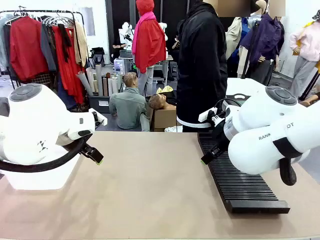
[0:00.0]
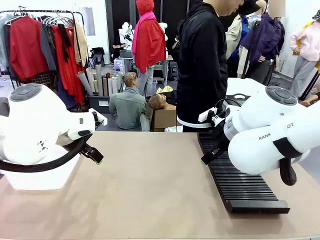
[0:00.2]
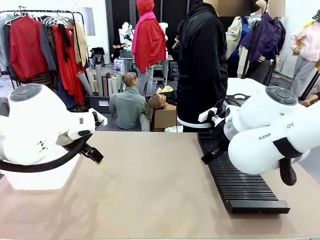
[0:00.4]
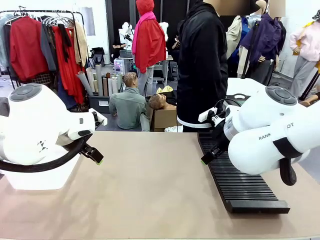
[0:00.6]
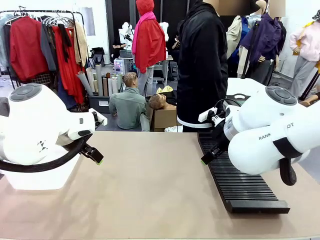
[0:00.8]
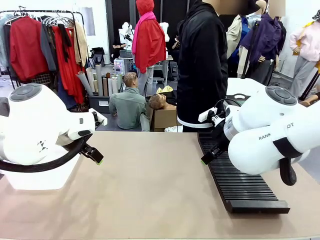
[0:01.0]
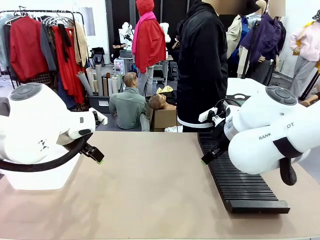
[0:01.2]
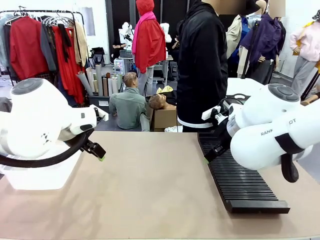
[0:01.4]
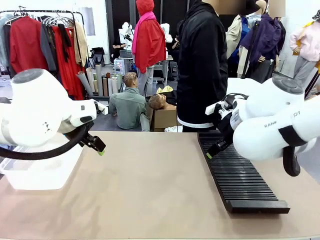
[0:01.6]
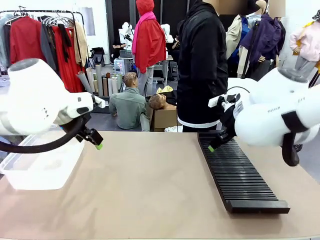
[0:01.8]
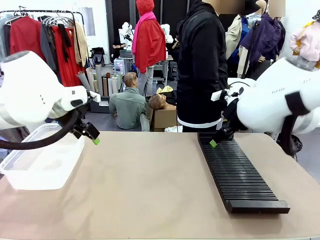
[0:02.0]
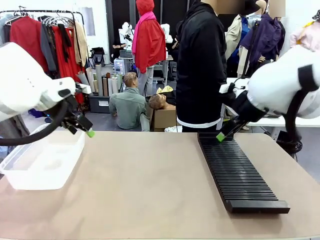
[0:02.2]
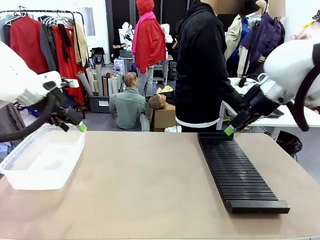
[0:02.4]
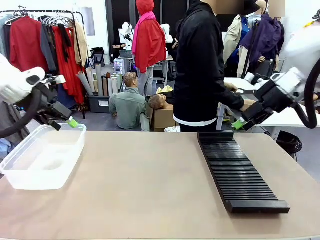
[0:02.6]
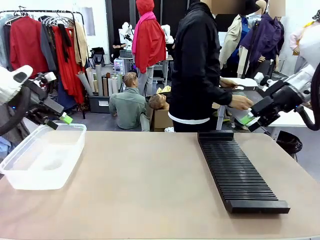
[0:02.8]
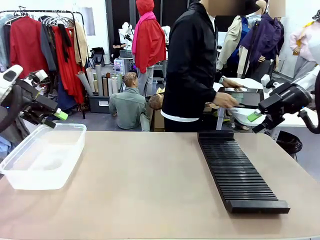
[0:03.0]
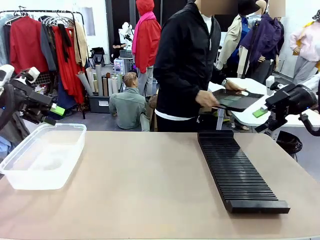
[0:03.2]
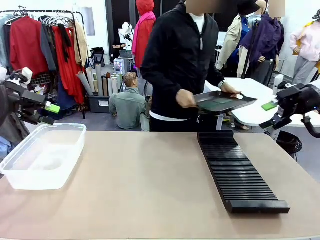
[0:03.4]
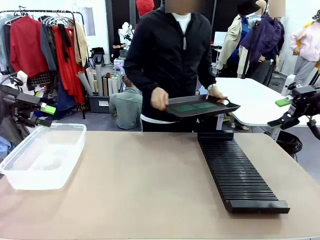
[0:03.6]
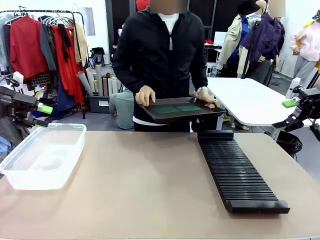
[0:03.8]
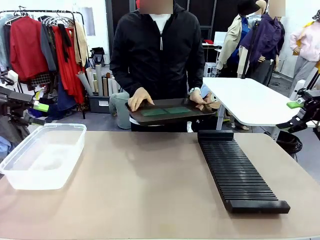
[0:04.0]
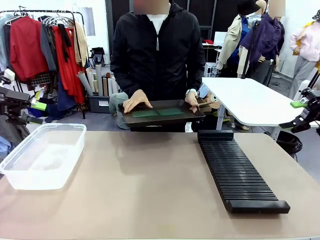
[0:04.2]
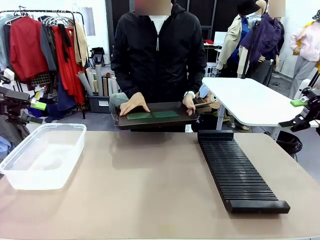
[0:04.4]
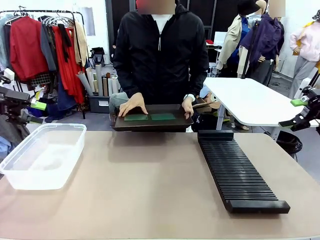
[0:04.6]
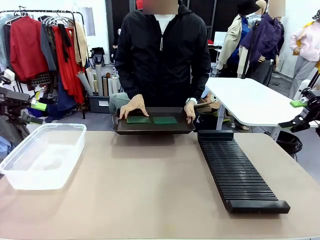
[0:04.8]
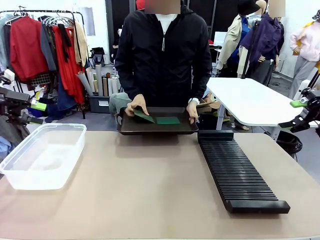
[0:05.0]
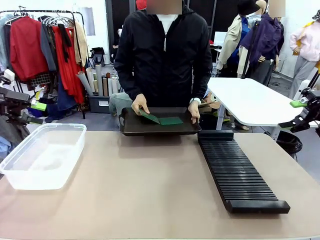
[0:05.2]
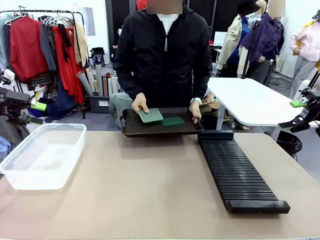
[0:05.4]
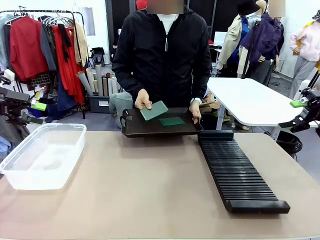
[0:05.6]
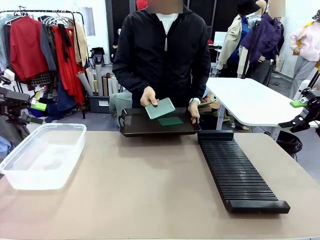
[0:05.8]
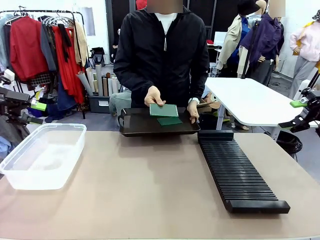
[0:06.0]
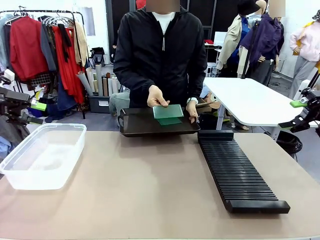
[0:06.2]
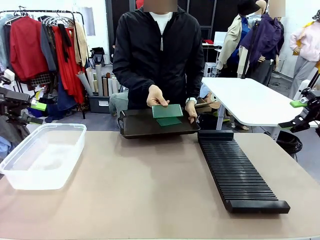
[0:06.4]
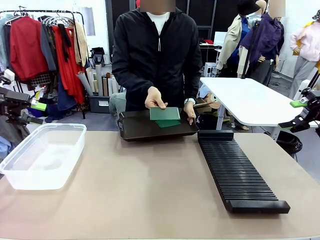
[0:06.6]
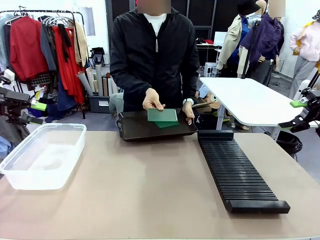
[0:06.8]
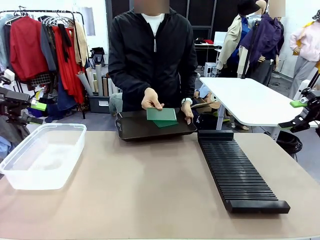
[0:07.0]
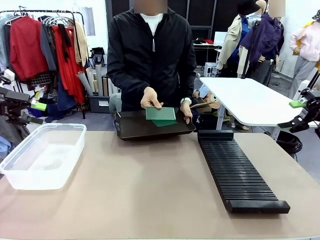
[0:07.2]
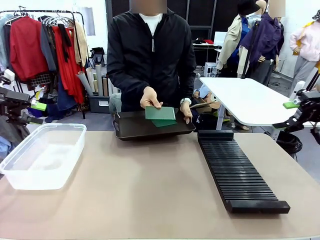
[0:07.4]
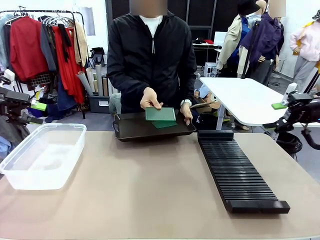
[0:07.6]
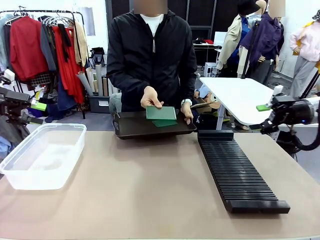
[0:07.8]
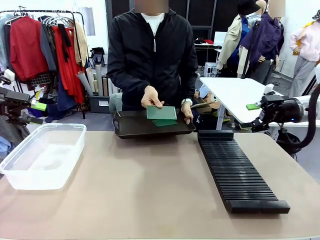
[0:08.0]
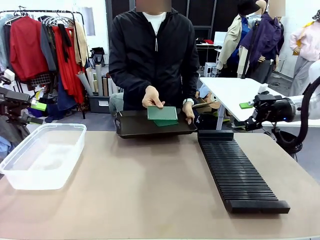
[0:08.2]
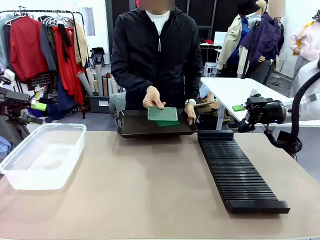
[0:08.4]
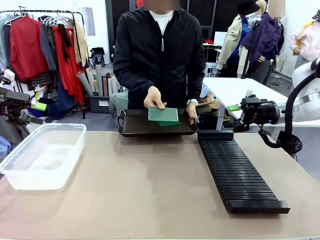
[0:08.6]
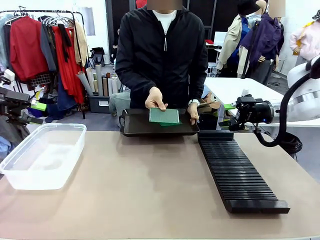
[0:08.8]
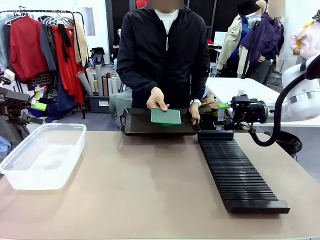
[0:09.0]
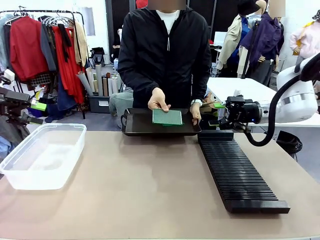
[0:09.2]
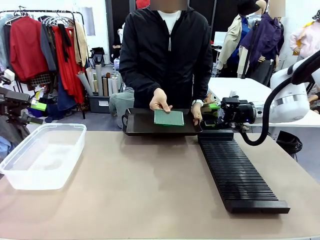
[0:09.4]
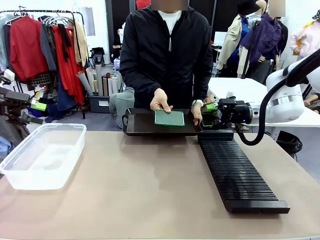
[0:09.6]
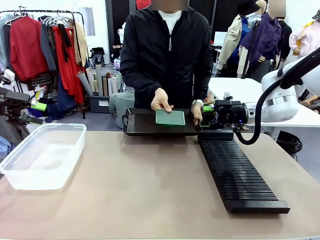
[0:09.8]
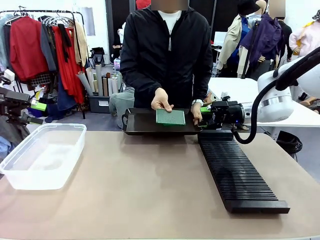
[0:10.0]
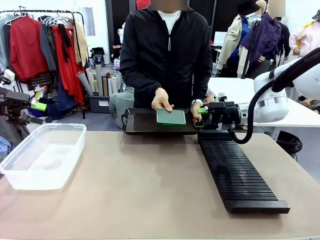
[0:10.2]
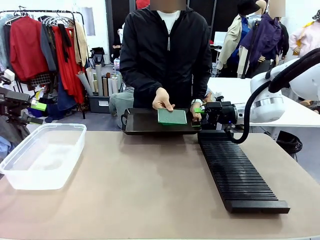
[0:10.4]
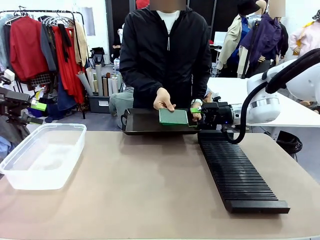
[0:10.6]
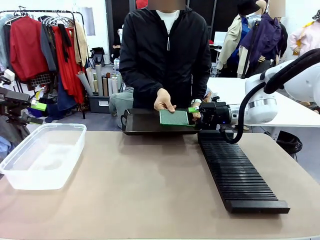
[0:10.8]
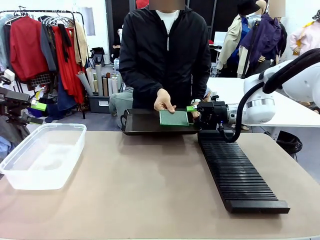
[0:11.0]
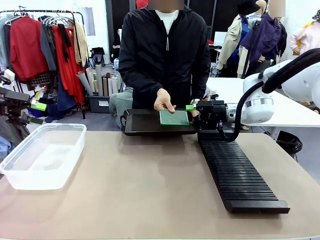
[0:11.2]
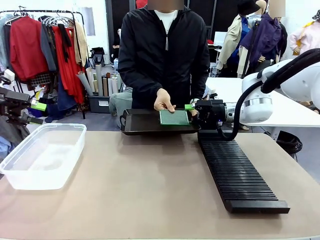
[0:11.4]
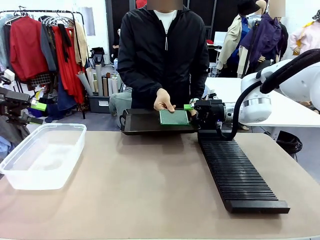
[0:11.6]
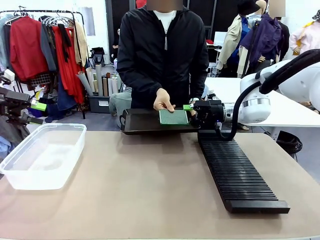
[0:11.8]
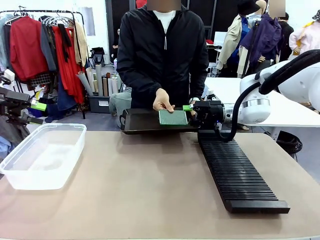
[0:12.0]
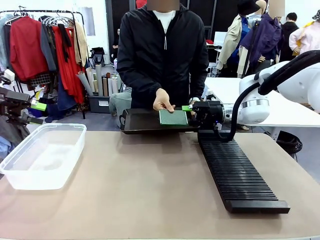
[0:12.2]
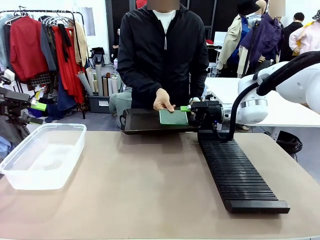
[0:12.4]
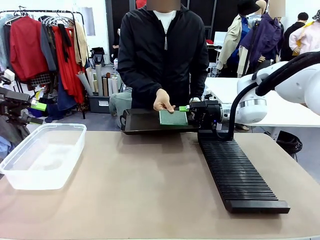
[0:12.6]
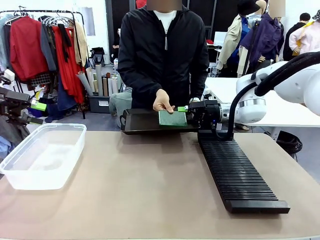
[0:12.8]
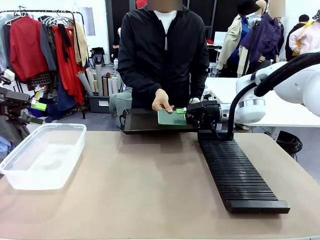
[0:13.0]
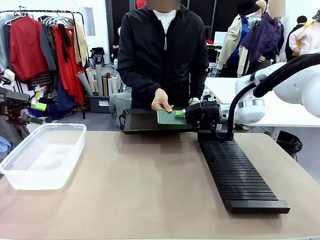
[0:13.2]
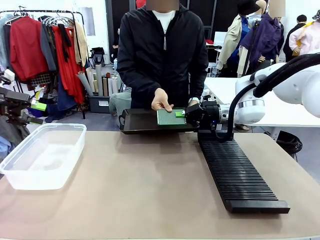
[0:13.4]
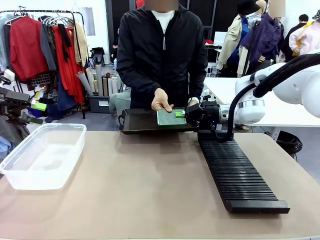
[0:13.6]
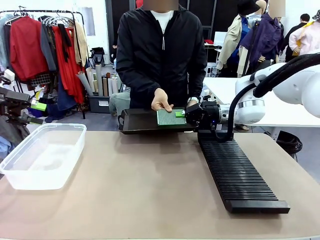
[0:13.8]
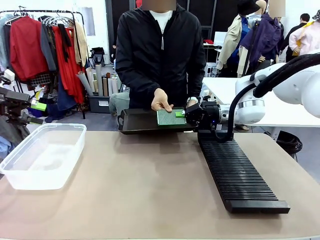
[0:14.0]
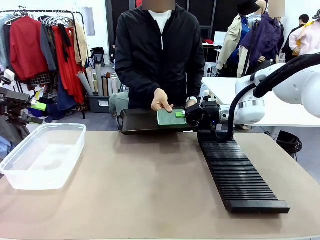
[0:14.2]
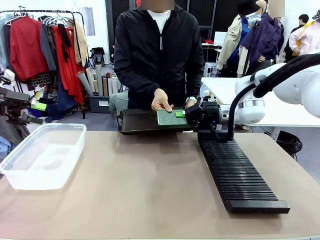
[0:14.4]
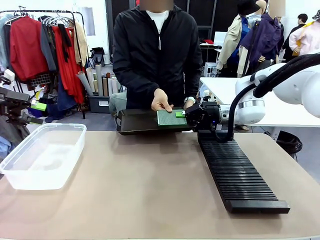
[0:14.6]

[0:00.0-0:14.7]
Task: Sort PCBs into racks and boxes based on the side picked up.
Robot: Pick up the Blank PCB handed by the Human.
Person: Pick one PCB from the tray and present it to the robot. Release the PCB being held.
